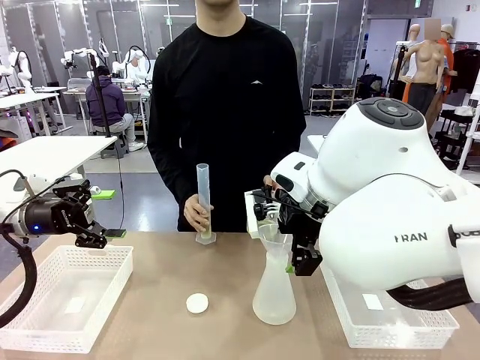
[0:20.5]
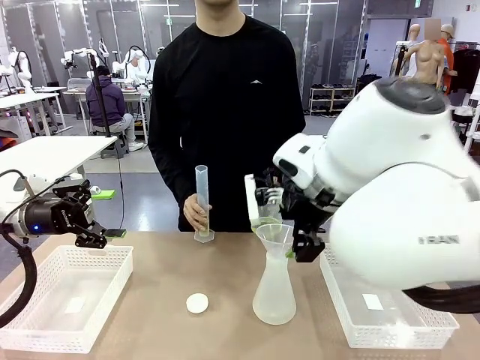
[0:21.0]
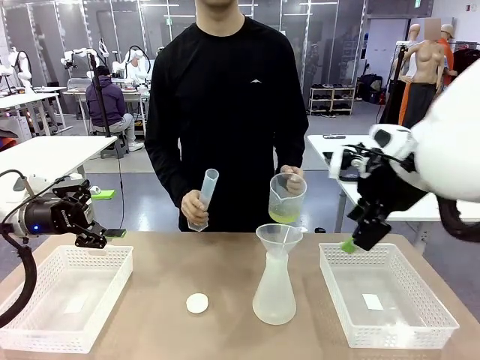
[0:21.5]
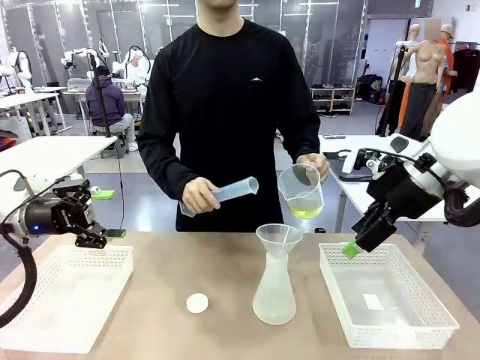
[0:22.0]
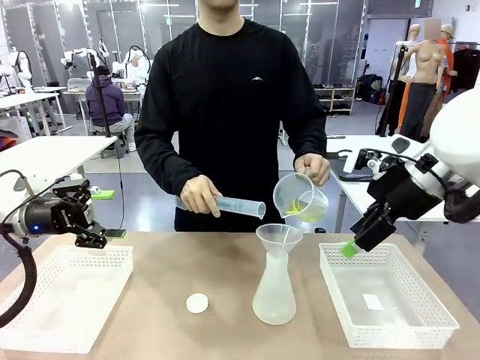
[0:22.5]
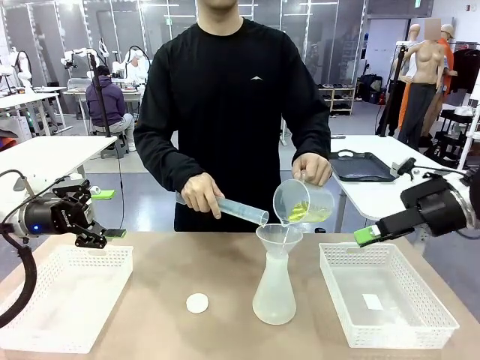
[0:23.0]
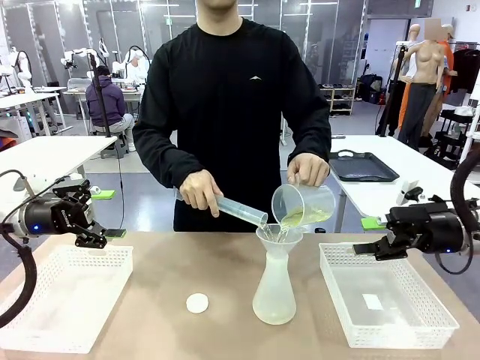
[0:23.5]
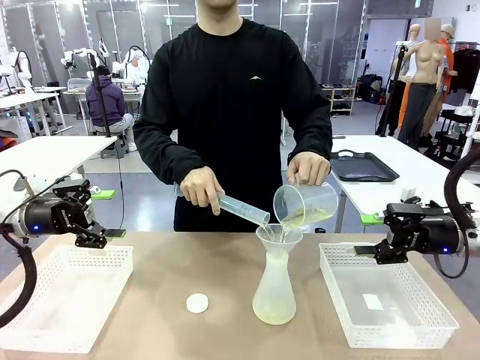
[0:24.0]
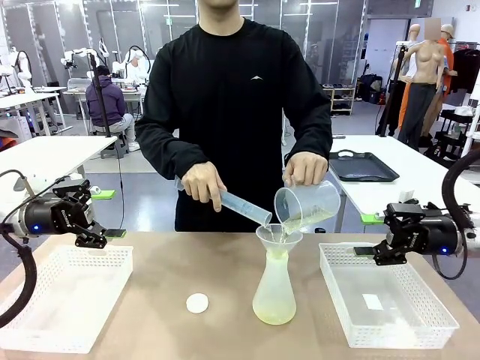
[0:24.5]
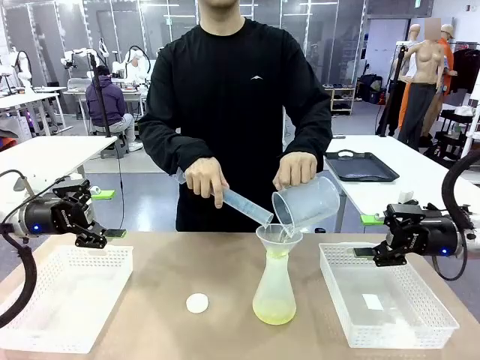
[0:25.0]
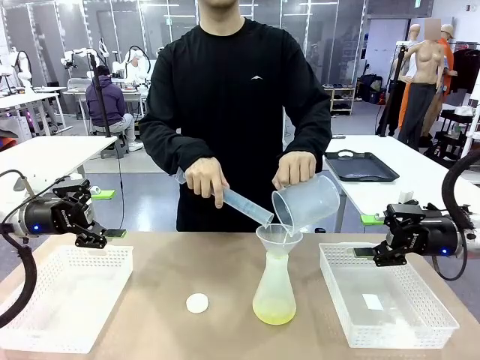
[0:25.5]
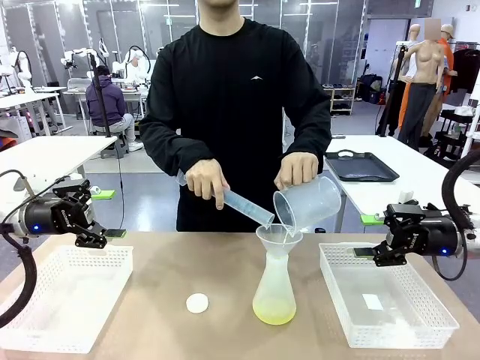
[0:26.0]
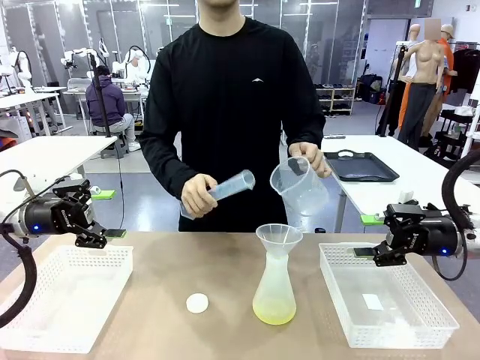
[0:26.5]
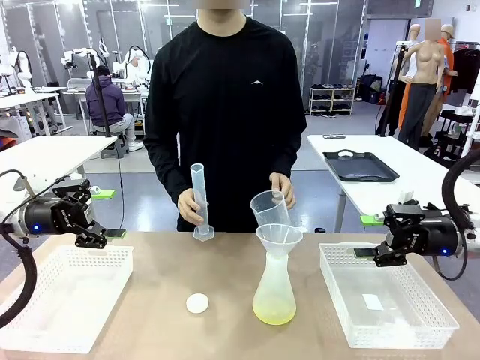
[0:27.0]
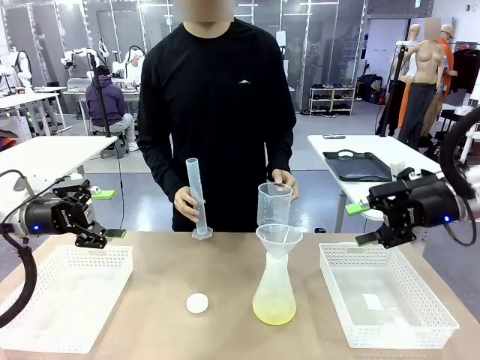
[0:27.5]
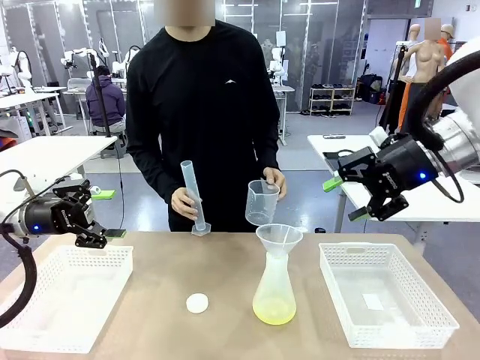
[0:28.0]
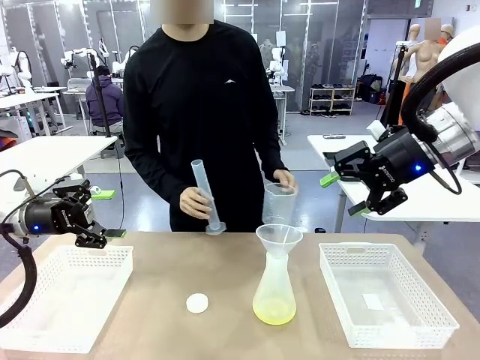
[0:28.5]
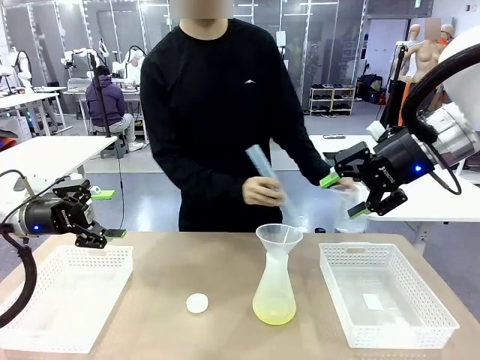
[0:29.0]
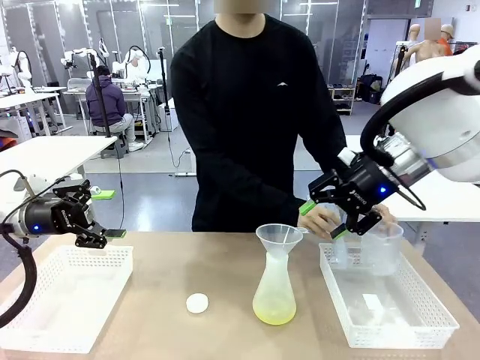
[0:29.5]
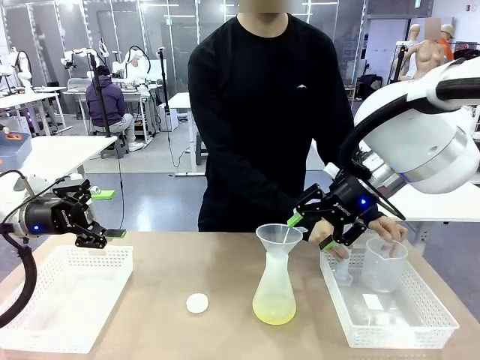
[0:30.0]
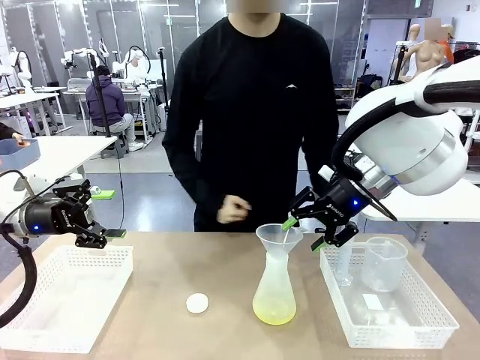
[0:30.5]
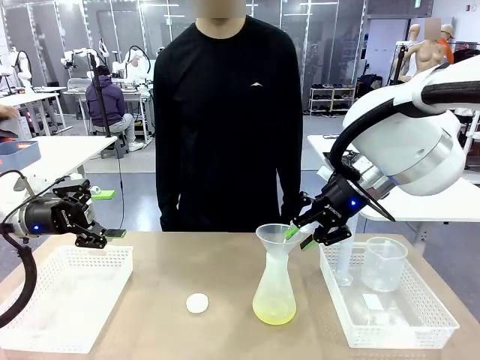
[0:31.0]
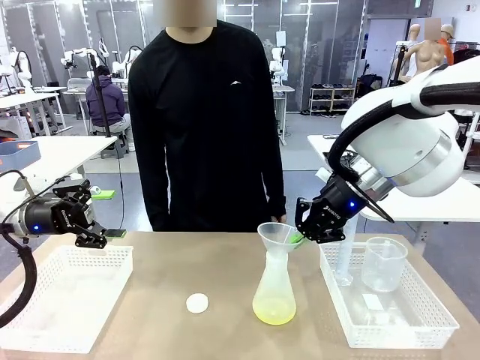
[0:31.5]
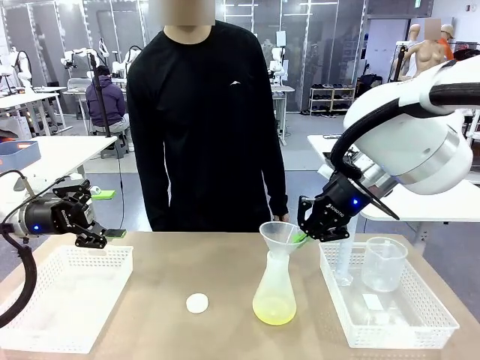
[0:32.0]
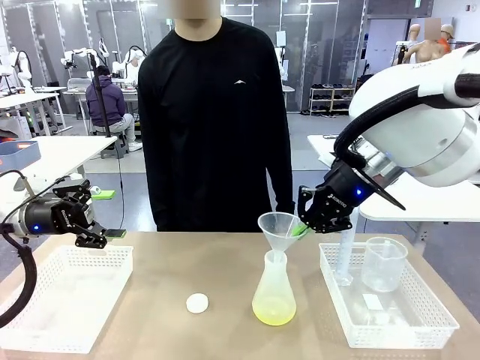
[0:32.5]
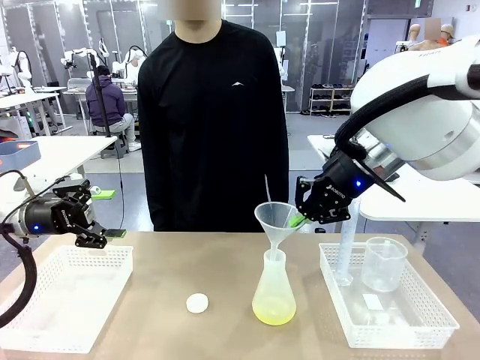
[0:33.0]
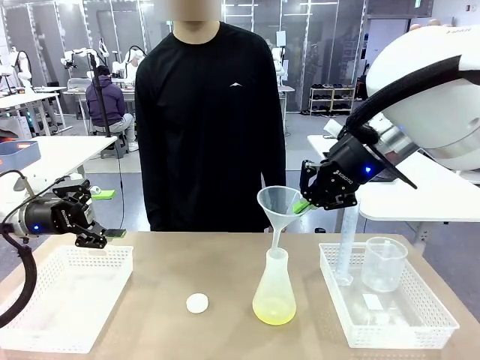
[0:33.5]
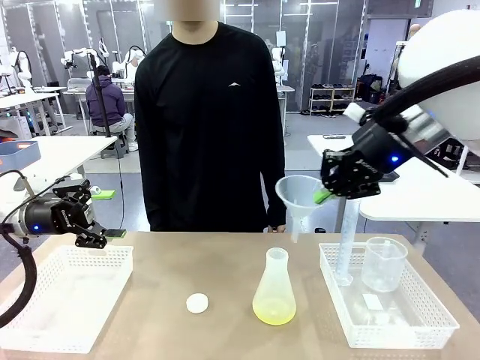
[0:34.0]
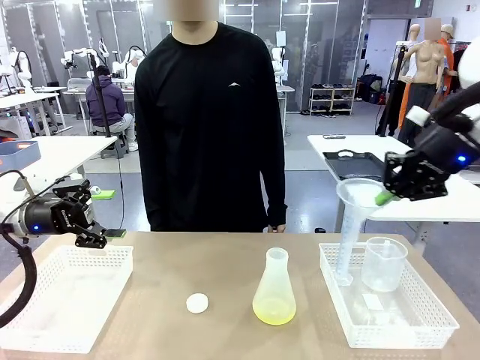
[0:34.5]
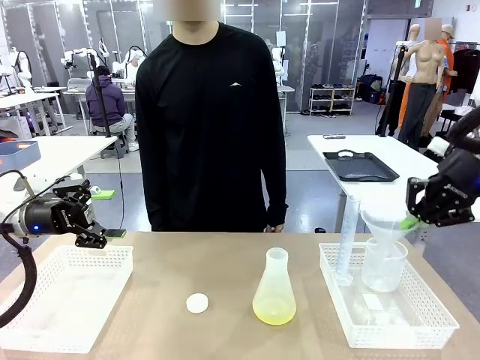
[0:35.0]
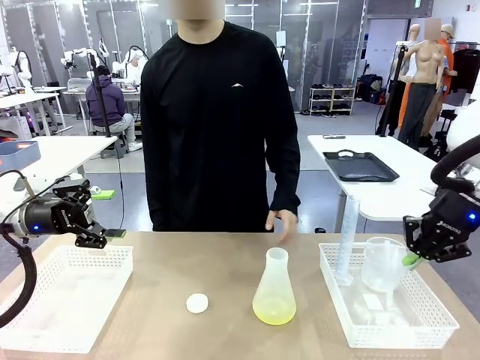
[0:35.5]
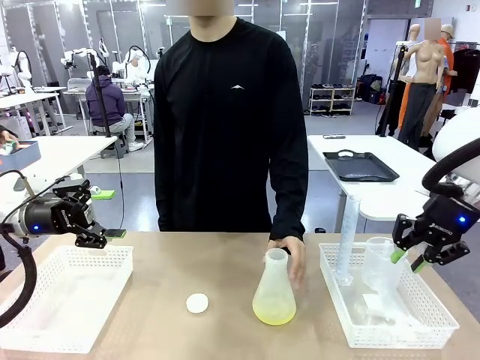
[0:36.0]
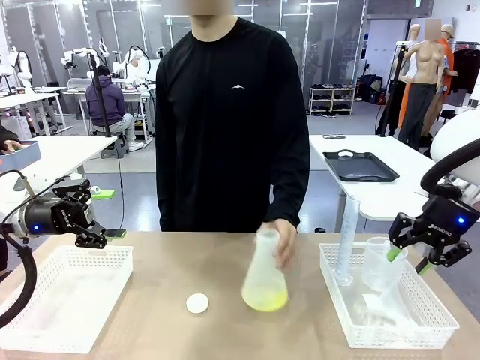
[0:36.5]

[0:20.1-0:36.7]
Task: Prepare the solutions needed for the experiment.
Robot: Once the solution is in the Big flask , pick up the Plastic Funnel and place it back into the right Organizing basket.
Person: Place the beaker and the cylinder into the organizing basket on the left side.

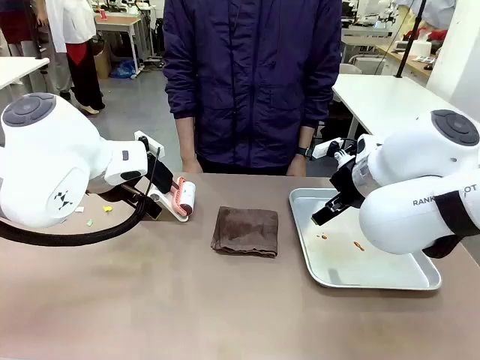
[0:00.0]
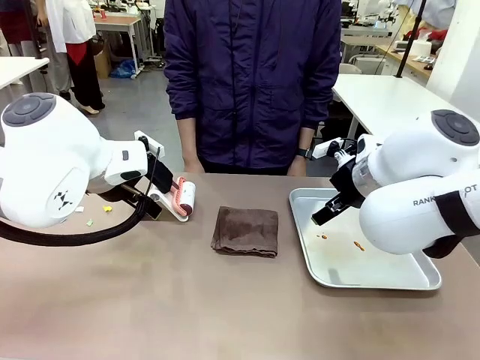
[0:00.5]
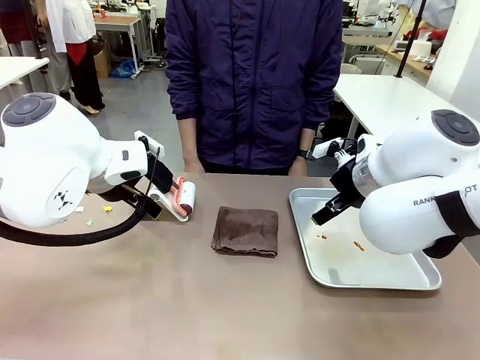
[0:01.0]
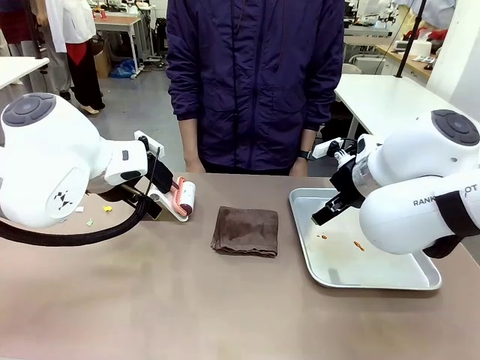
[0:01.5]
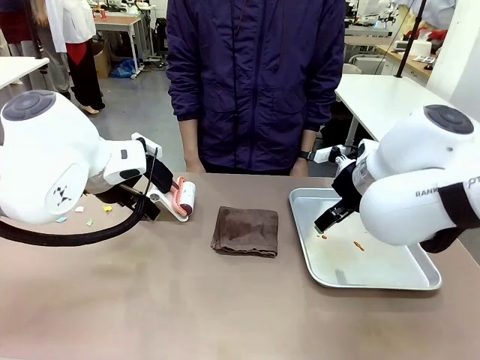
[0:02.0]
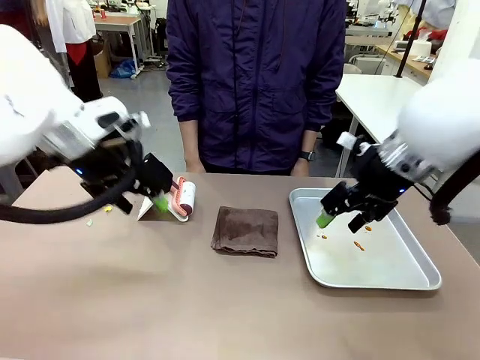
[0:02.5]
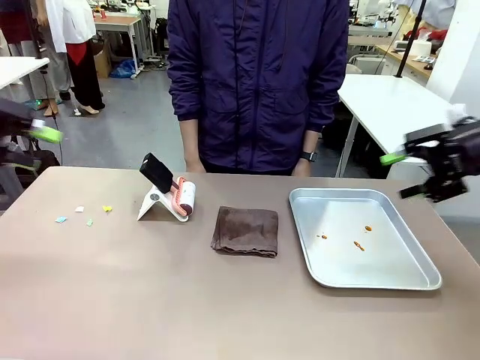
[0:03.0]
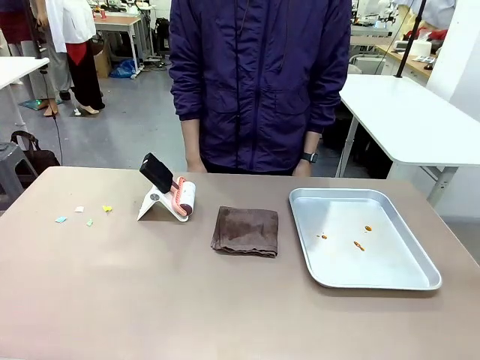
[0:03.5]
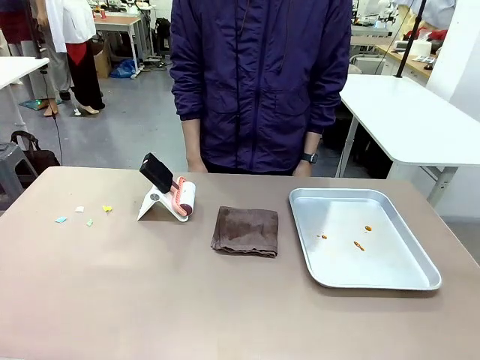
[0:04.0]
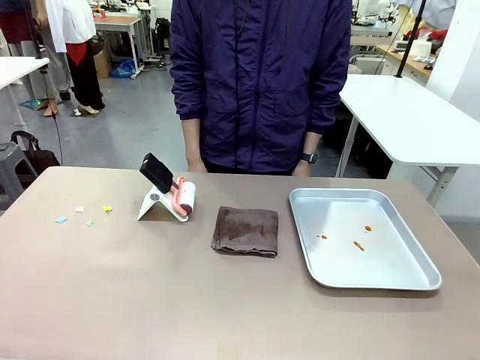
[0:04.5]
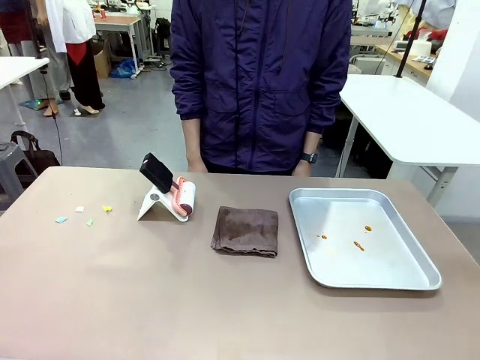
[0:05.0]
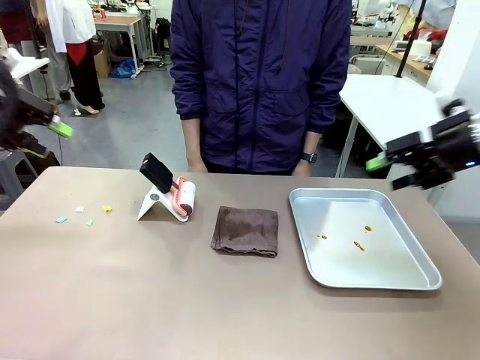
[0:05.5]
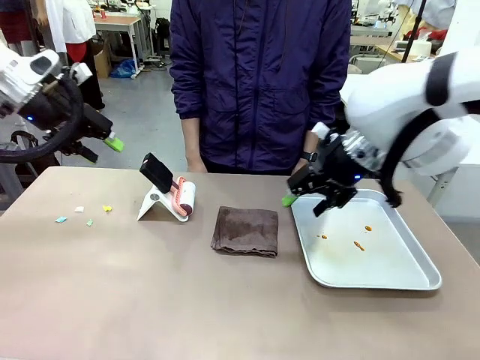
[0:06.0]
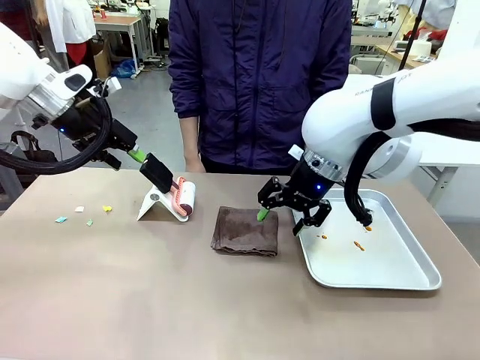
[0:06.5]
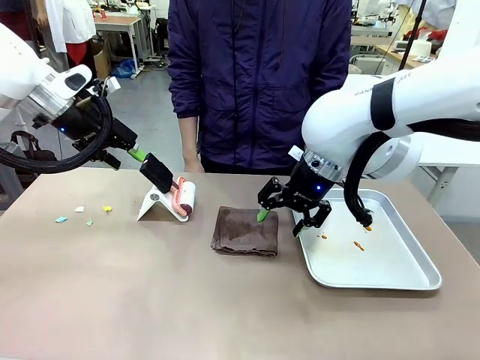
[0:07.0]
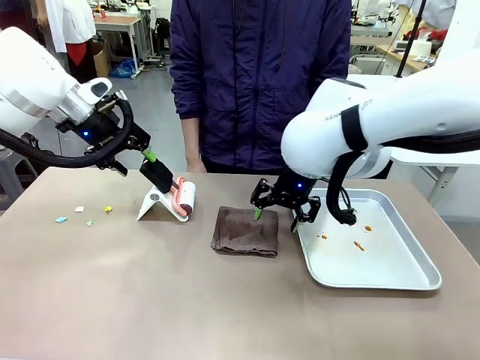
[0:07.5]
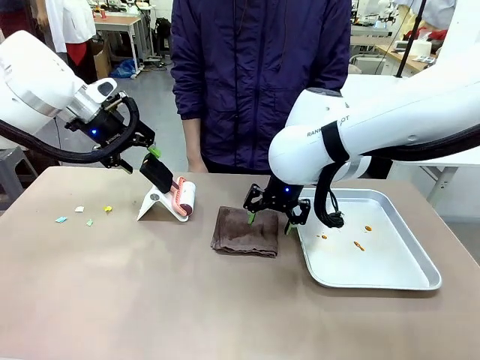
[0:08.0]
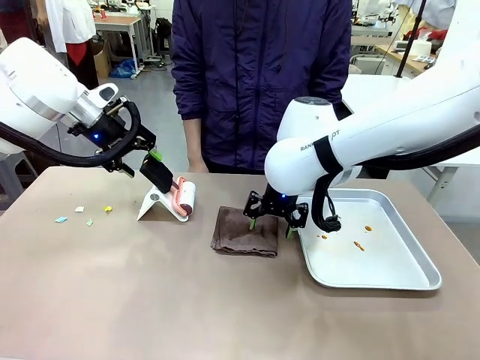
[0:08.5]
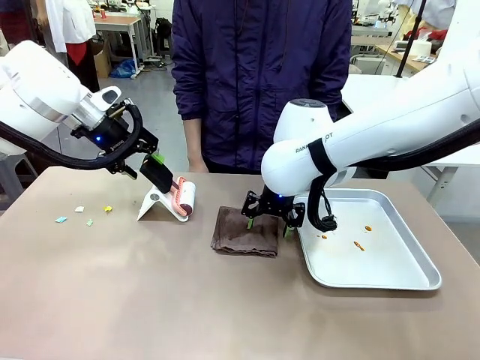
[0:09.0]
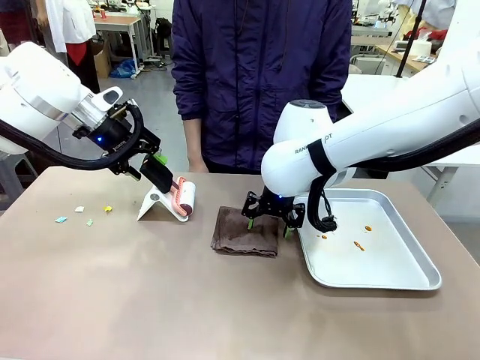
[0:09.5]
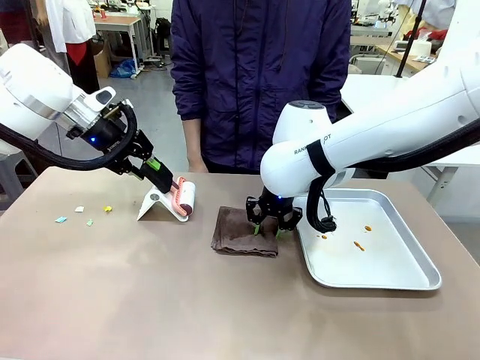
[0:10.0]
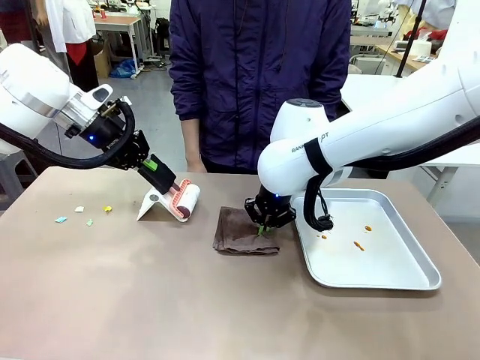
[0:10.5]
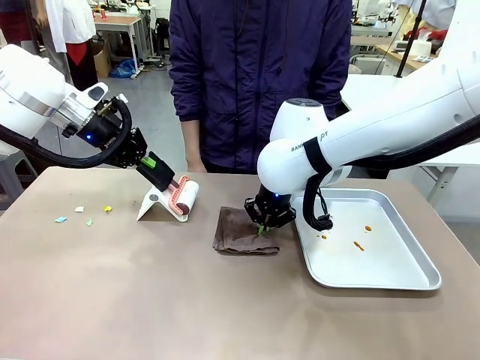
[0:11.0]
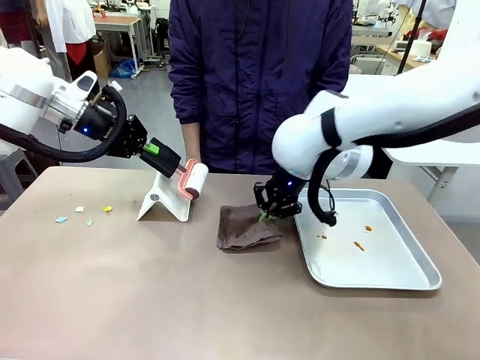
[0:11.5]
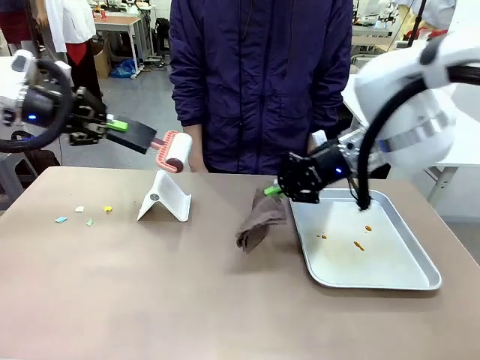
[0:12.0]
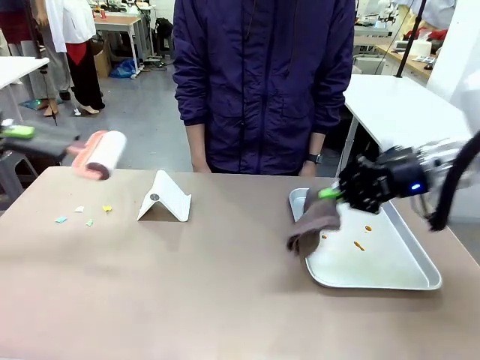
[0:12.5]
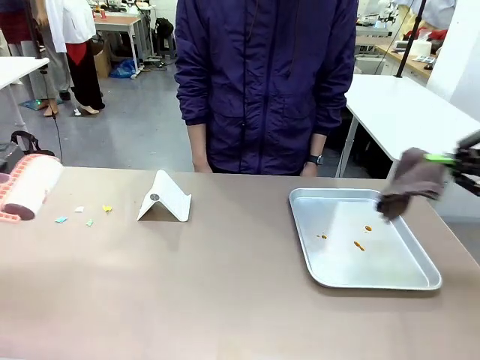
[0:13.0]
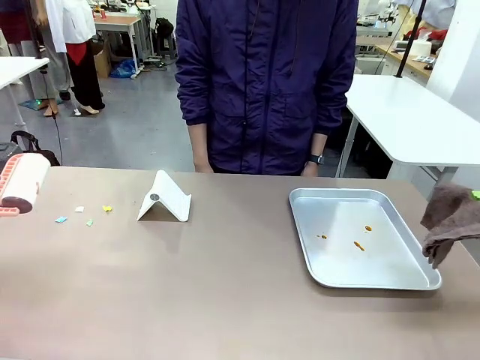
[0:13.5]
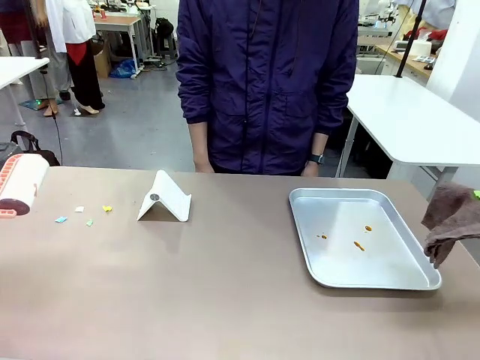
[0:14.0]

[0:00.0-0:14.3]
Task: Clean the surface of the table.
Robot: Hold the Lint Roller with your left hand and the towel with your right hand.
